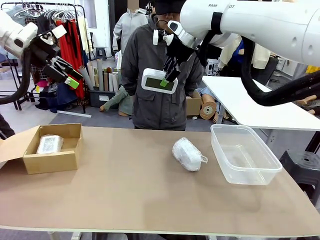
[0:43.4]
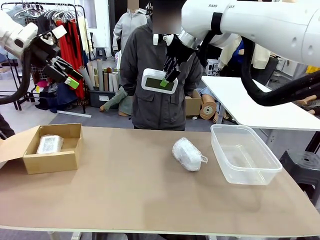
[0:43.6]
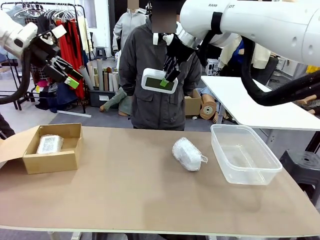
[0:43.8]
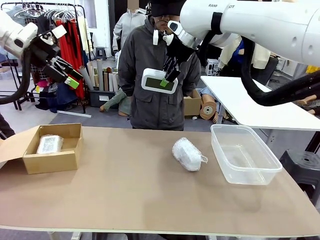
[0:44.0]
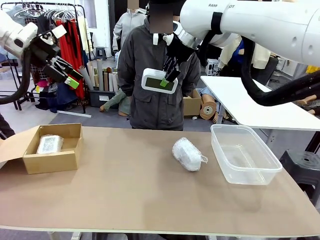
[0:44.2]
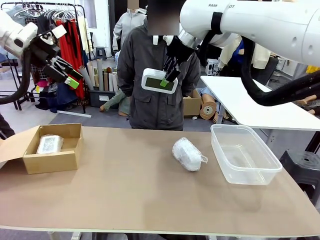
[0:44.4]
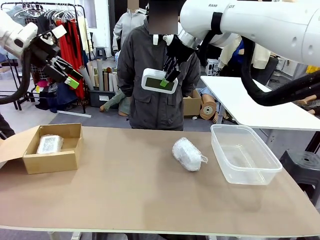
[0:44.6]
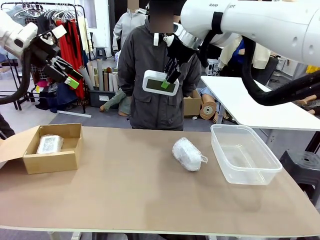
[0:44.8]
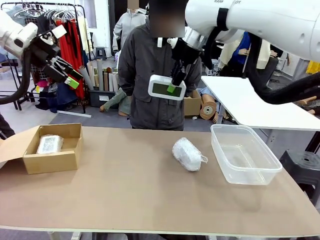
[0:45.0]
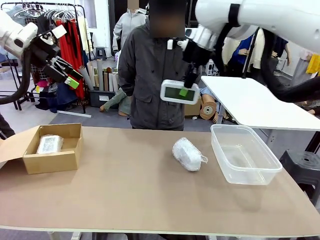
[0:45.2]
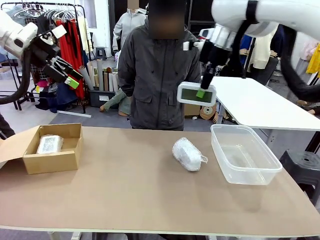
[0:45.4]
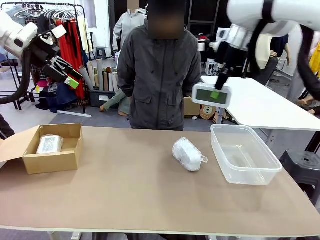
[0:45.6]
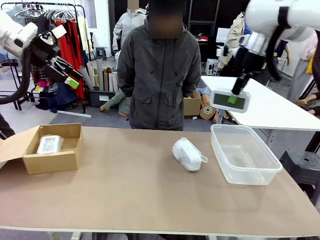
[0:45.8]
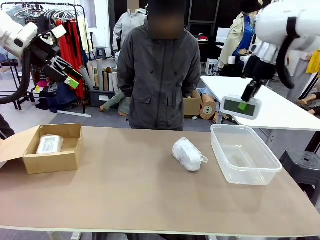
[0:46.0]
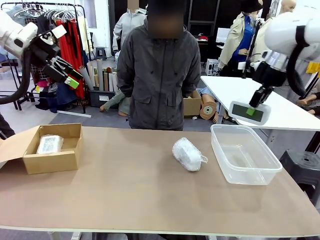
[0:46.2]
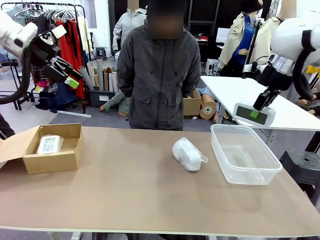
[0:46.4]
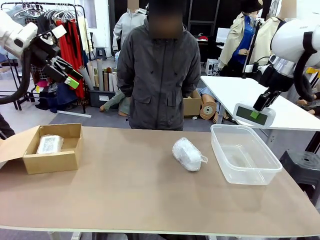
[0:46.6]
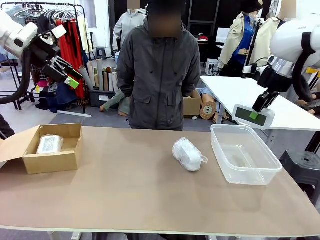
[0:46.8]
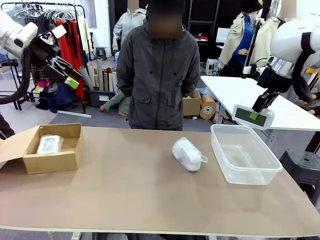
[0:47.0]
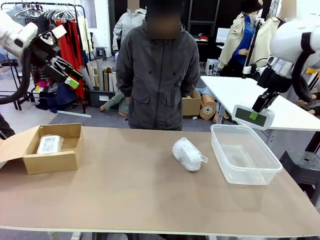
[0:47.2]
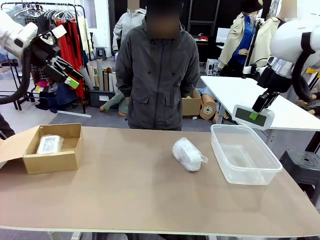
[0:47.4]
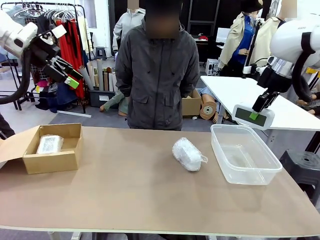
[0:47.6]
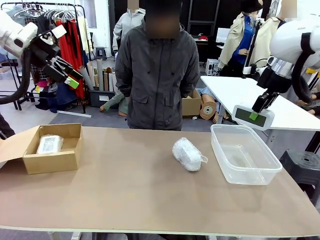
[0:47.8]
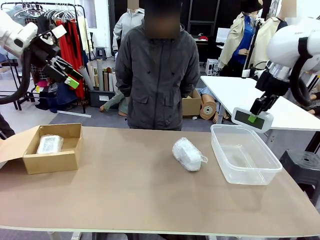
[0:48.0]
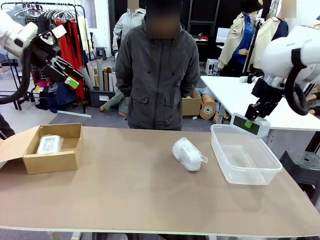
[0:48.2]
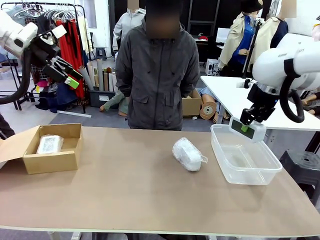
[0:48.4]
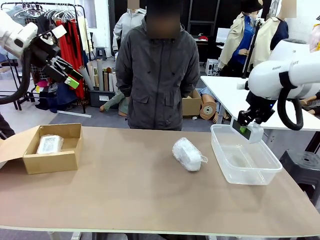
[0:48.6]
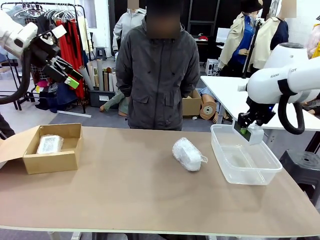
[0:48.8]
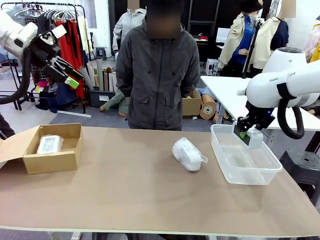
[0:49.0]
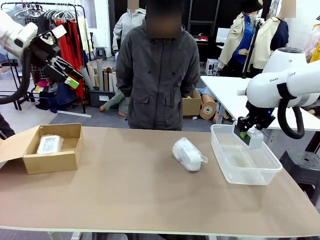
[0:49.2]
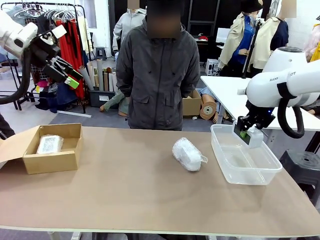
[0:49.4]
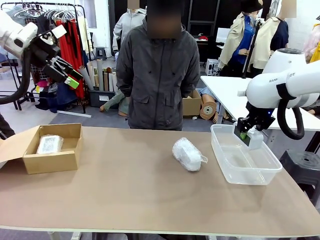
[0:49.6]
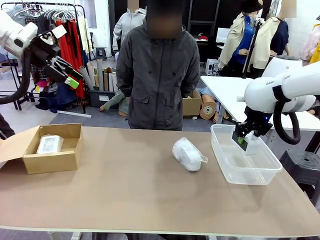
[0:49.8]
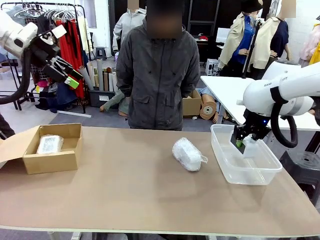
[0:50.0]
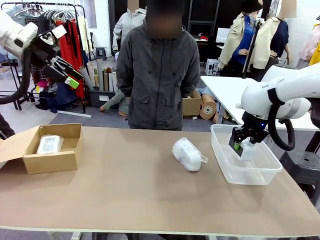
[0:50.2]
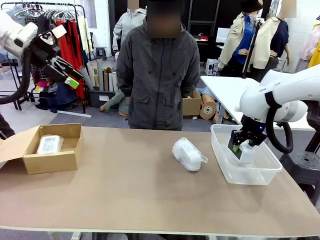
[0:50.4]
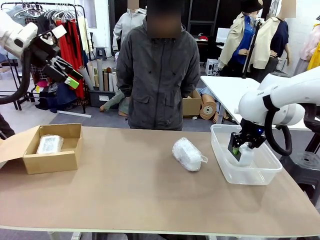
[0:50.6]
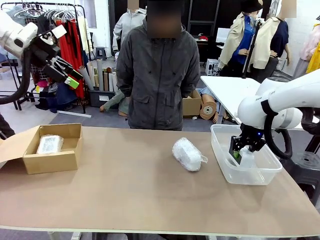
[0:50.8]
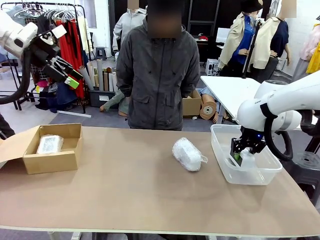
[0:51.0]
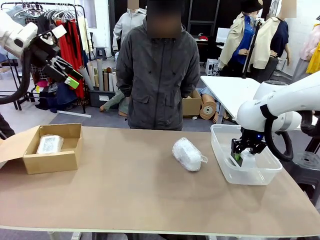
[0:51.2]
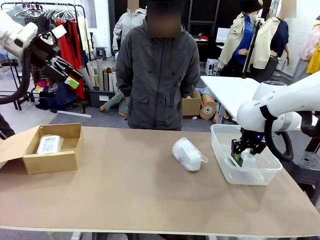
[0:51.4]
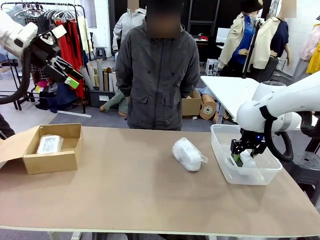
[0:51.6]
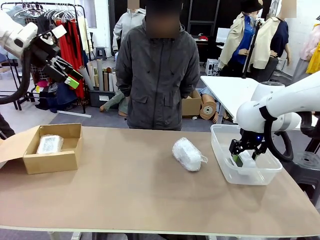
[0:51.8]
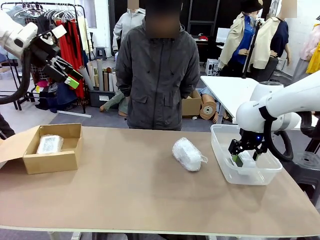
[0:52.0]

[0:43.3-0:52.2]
Task: Separate and place wrapped and unwrapped clocks.
Robot: If the picked Digital clock is wrapped, place it in the Package Box ; if not, place it in the Organizing box.

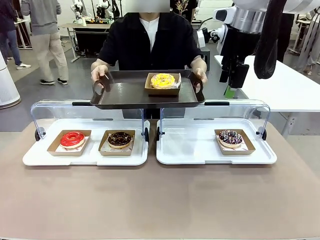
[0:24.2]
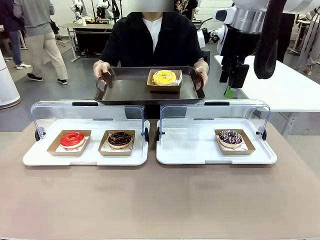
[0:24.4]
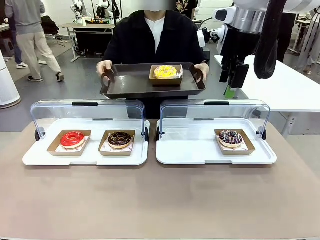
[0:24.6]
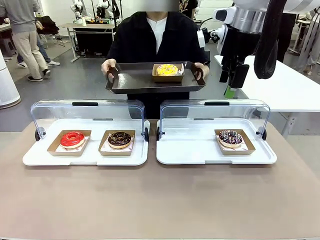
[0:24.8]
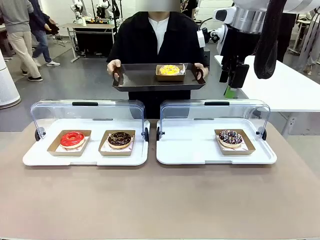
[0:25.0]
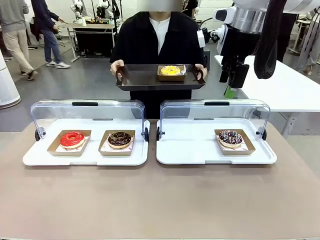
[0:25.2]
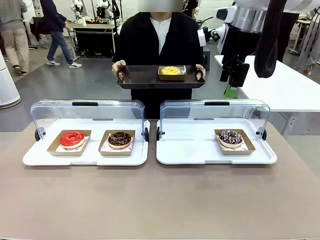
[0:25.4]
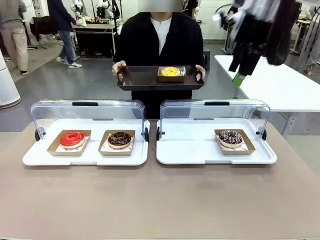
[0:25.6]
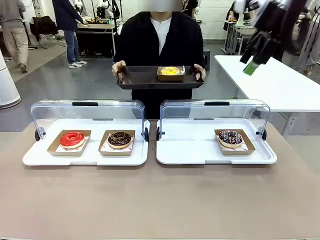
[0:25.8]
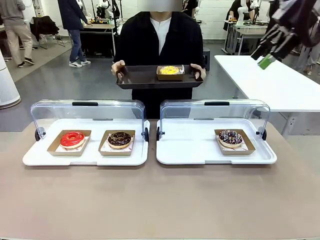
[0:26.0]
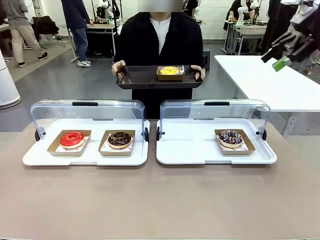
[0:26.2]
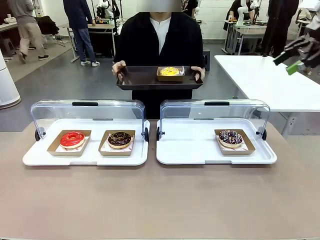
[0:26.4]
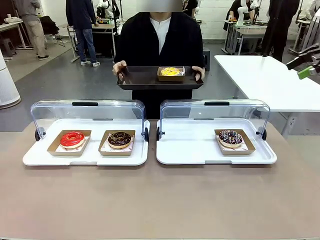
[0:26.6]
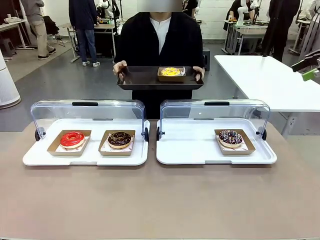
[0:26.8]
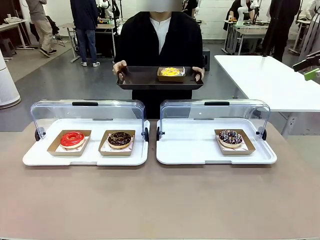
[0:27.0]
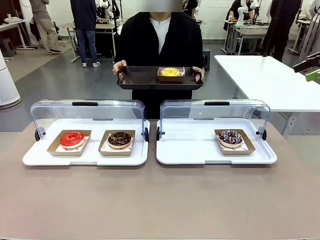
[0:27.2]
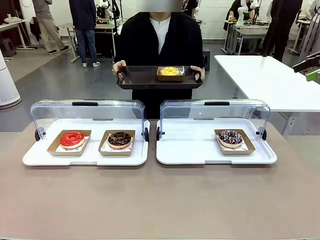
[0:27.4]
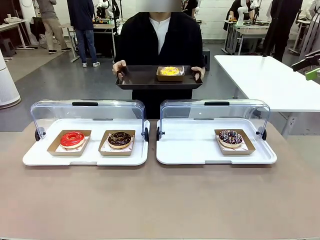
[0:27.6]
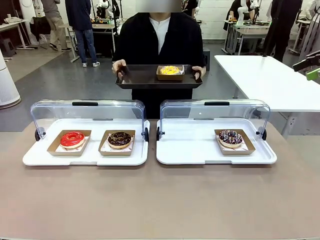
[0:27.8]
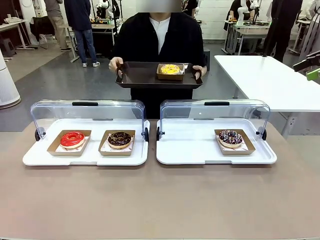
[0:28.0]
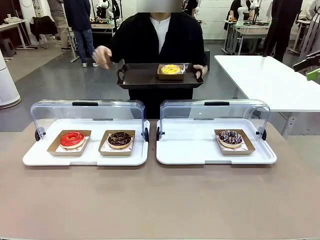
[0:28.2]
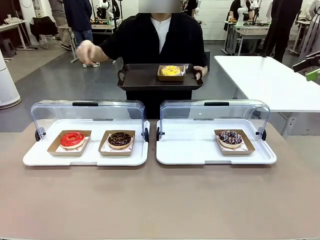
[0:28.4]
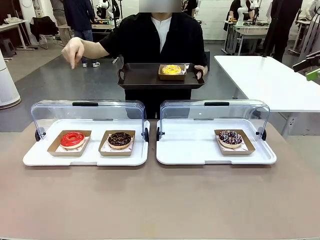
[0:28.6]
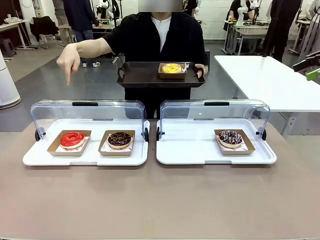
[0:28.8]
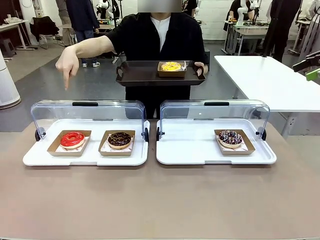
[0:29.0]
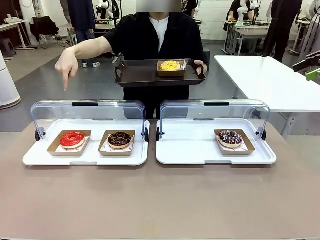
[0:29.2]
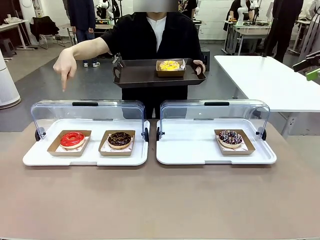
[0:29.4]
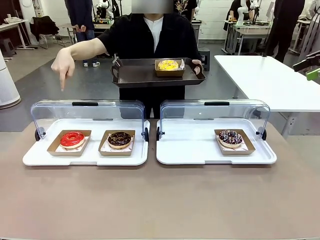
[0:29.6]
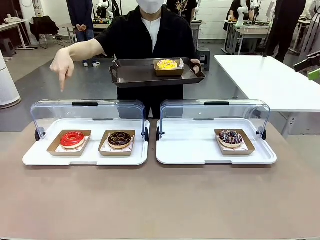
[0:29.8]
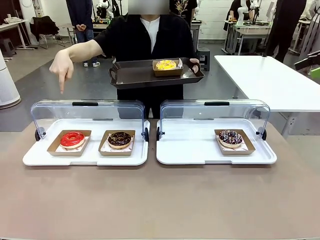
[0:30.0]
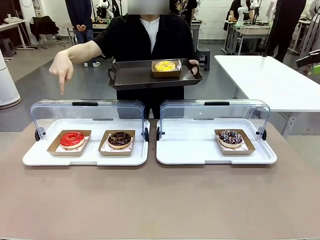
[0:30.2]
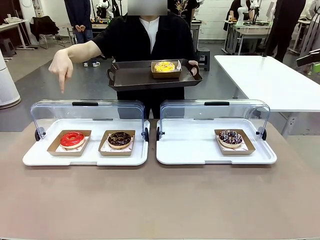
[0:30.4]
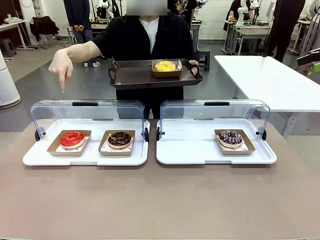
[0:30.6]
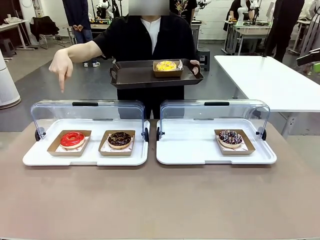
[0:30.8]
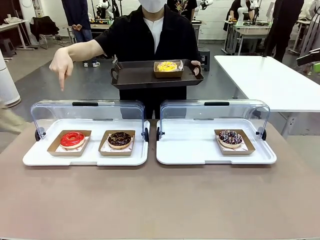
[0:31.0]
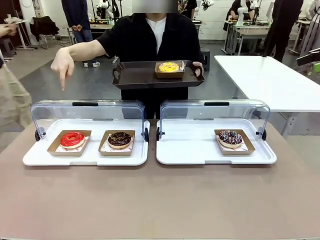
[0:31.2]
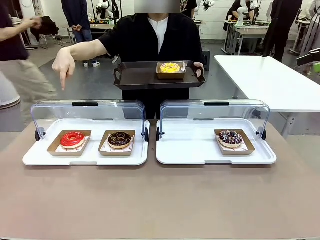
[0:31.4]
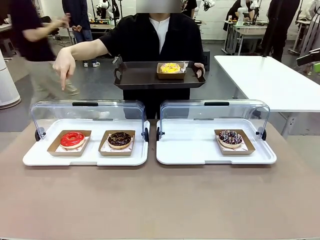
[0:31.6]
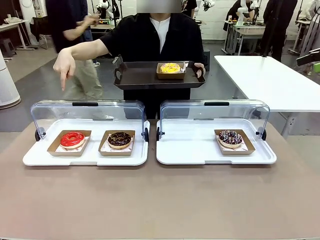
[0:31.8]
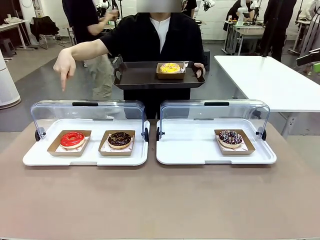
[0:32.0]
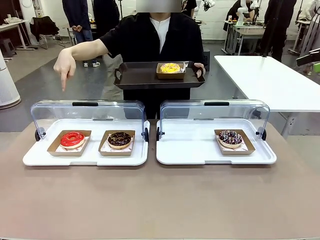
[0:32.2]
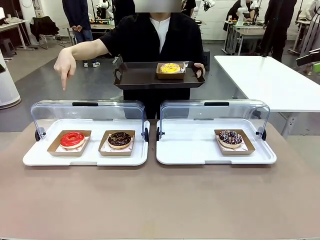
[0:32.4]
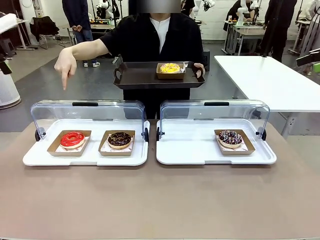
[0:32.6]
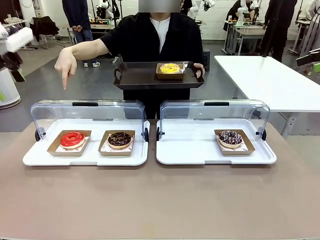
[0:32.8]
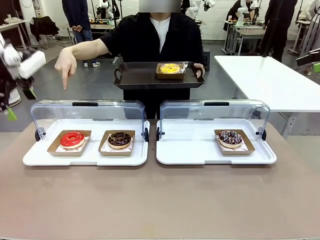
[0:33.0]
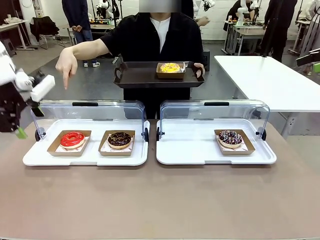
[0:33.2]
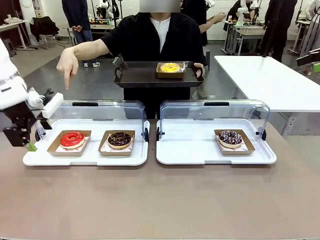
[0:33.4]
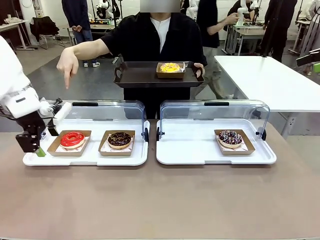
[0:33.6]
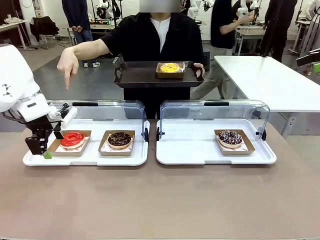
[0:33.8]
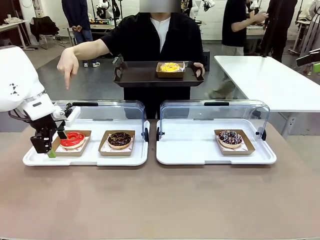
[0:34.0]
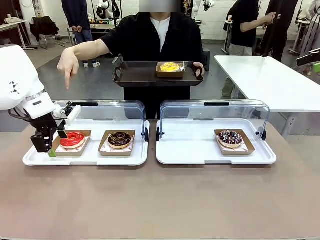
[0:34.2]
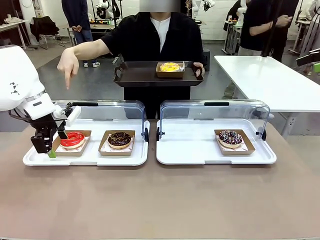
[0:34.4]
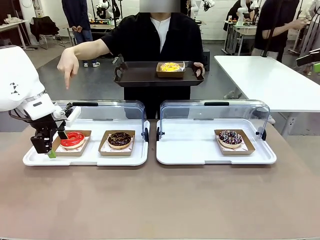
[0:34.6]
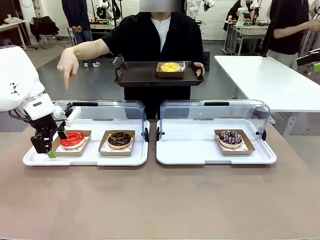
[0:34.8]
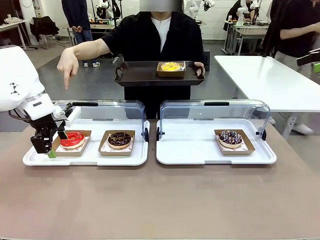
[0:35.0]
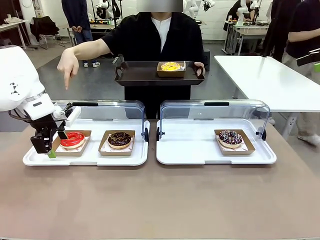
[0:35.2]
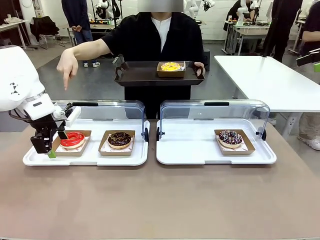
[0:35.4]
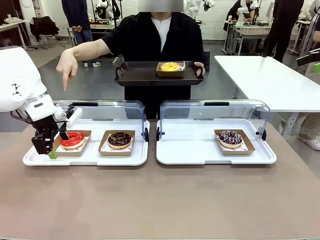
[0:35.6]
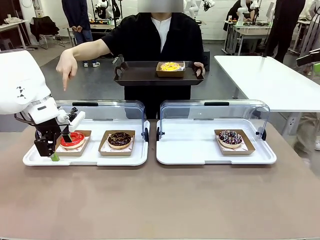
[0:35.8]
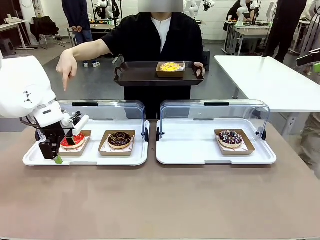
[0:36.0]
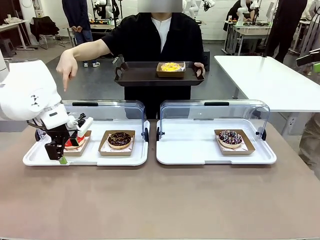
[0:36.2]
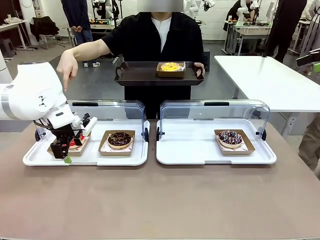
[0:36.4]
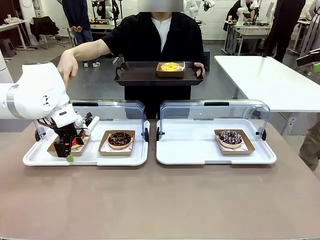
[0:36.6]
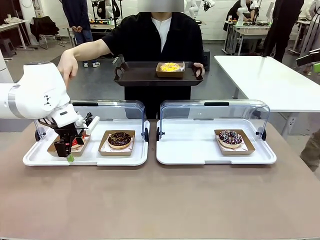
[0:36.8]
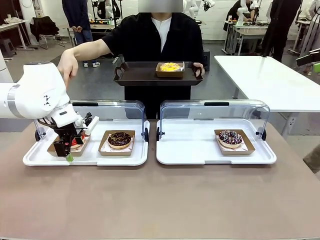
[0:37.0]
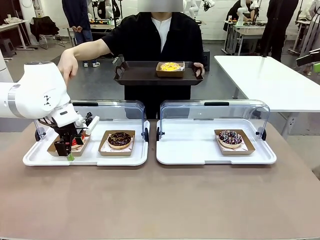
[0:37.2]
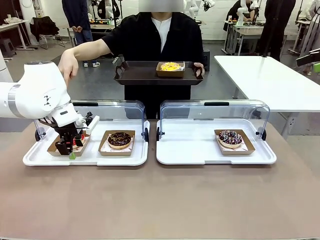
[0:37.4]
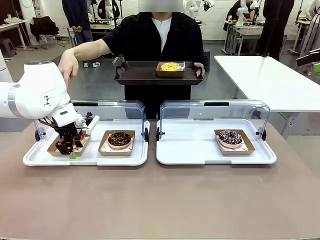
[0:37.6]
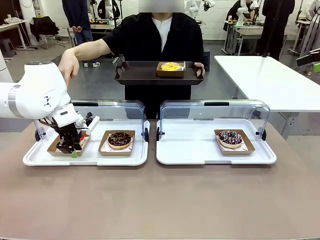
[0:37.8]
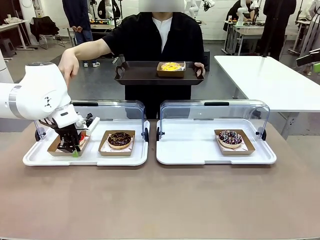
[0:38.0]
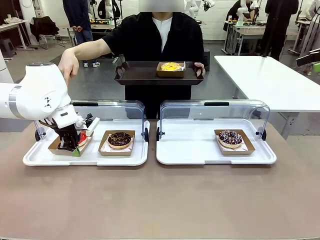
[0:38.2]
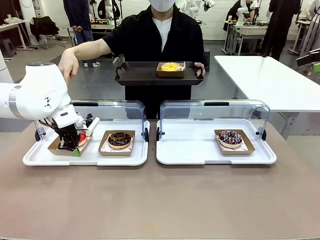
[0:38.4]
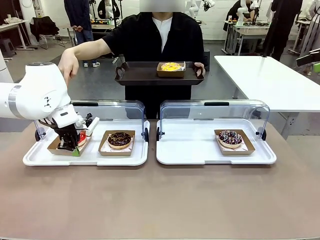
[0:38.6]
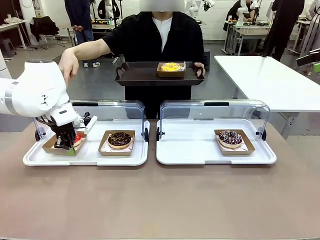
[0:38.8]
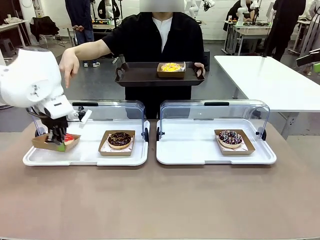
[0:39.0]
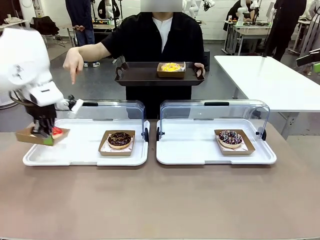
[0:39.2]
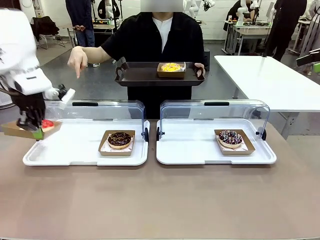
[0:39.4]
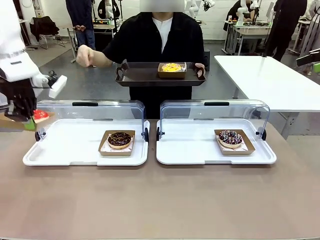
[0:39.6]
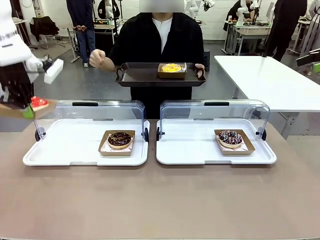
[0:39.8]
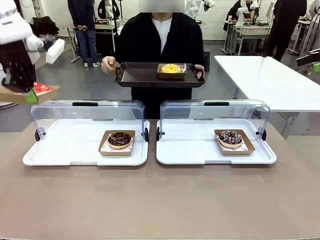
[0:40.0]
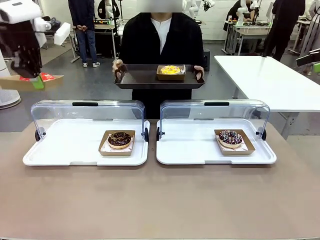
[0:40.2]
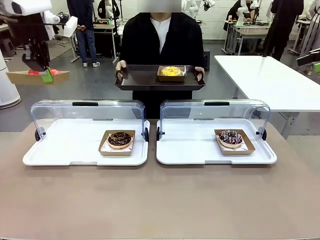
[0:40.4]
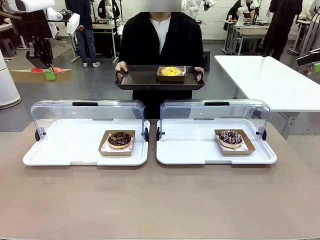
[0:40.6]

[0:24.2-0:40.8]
Task: Provide the desired donut to the person.
Robot: Pick up and lift the Paper togo box containing the Donut pointed at by the person.
Person: Point to one donut. Lift the tray onto the Roll-Top Bakery Case.
